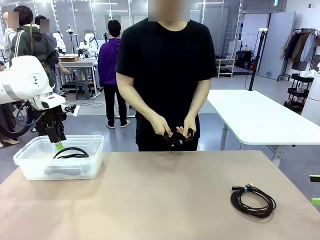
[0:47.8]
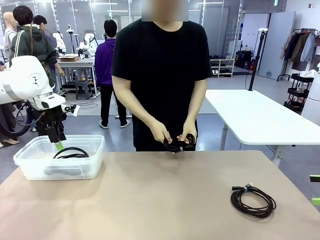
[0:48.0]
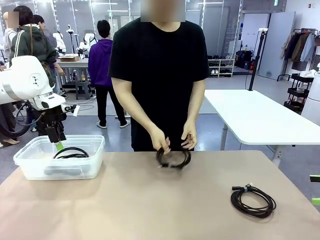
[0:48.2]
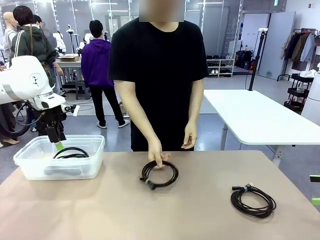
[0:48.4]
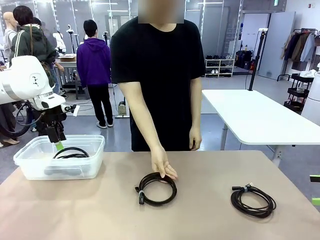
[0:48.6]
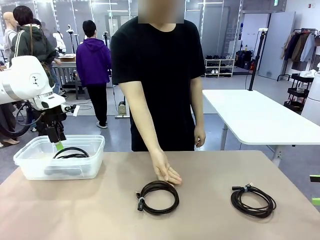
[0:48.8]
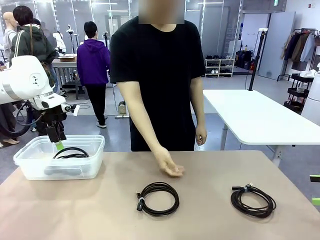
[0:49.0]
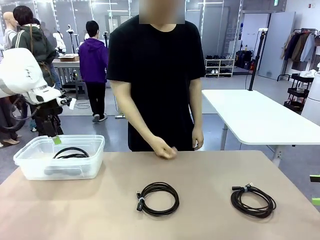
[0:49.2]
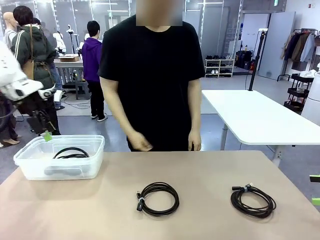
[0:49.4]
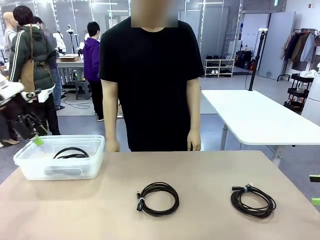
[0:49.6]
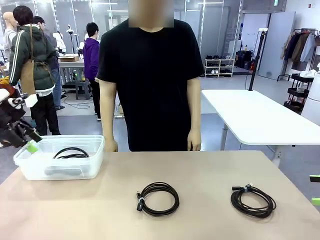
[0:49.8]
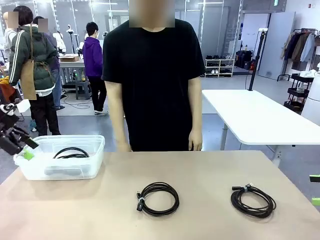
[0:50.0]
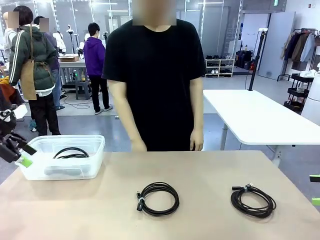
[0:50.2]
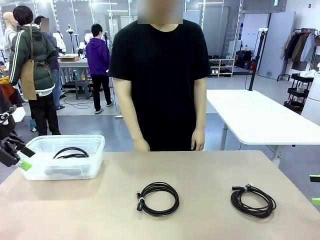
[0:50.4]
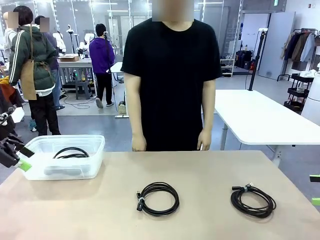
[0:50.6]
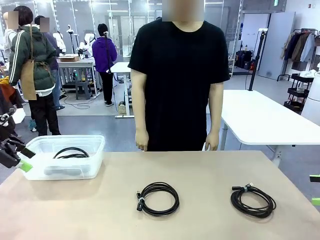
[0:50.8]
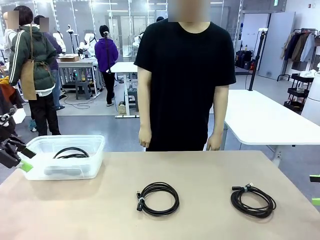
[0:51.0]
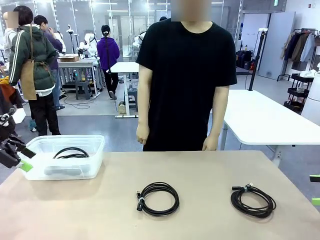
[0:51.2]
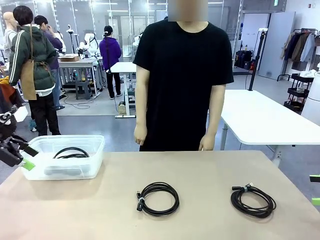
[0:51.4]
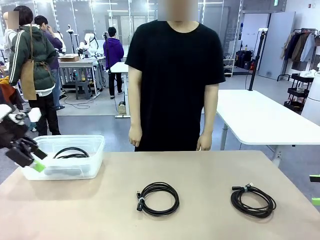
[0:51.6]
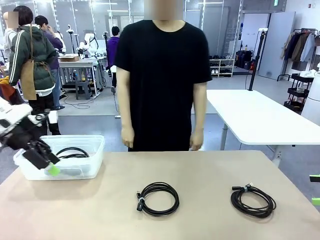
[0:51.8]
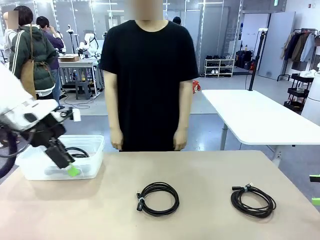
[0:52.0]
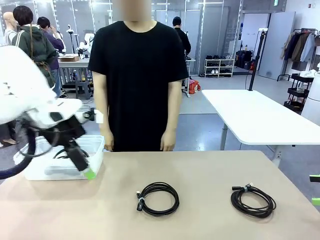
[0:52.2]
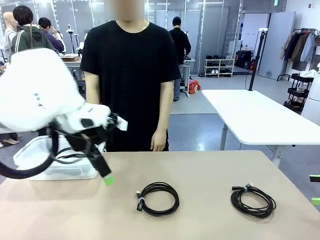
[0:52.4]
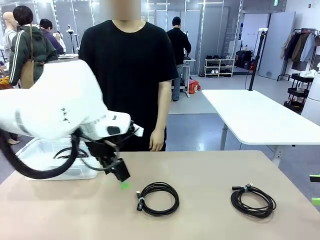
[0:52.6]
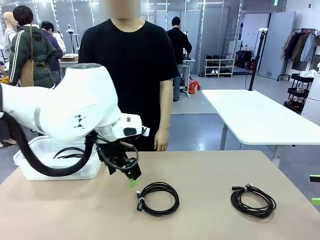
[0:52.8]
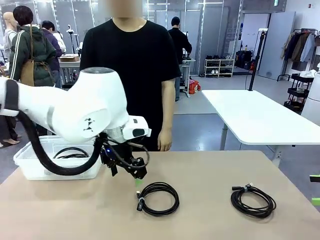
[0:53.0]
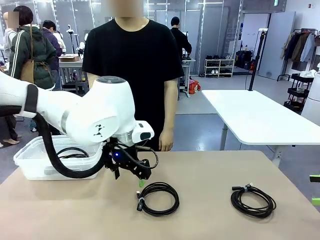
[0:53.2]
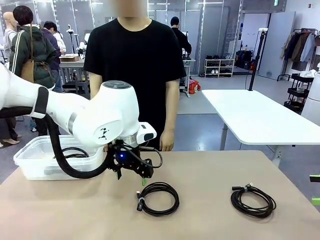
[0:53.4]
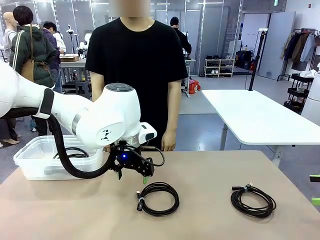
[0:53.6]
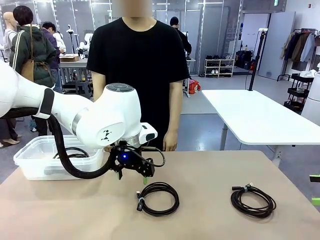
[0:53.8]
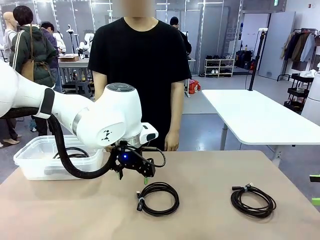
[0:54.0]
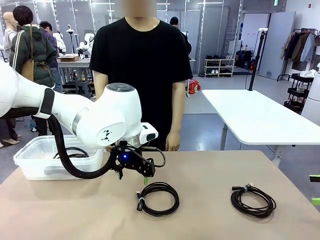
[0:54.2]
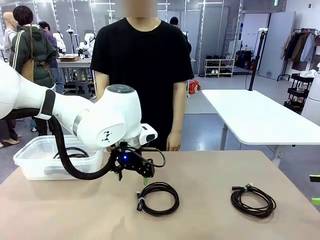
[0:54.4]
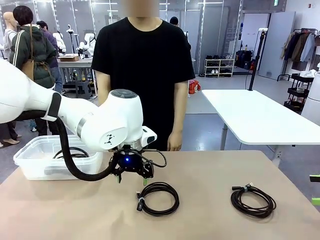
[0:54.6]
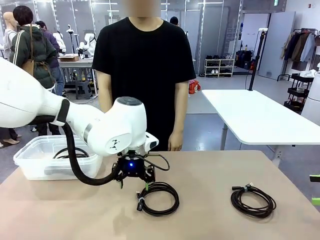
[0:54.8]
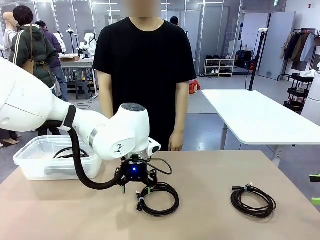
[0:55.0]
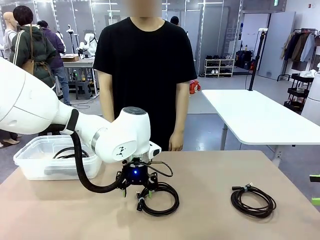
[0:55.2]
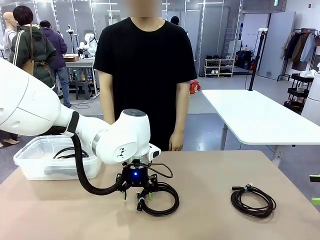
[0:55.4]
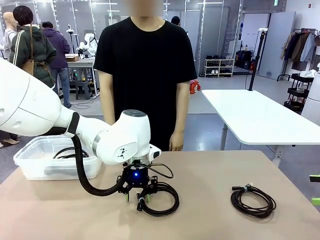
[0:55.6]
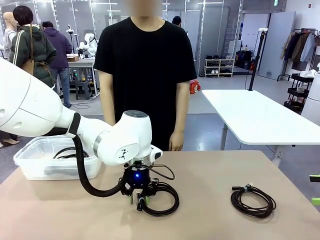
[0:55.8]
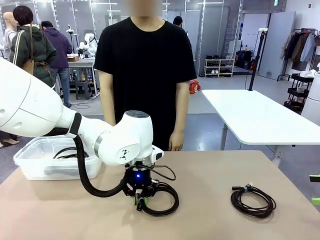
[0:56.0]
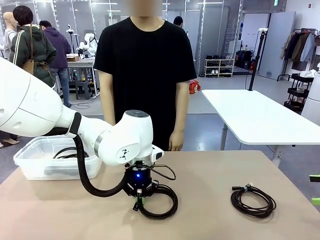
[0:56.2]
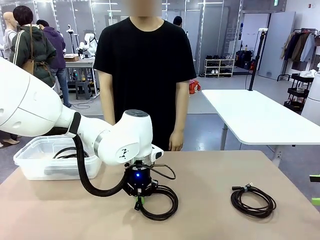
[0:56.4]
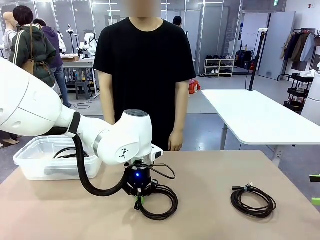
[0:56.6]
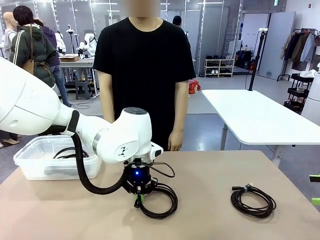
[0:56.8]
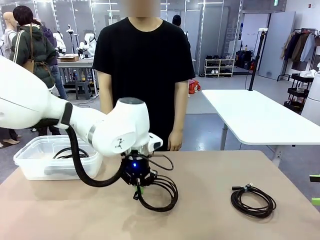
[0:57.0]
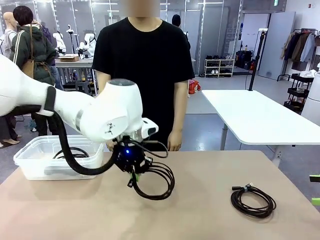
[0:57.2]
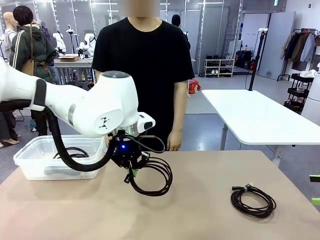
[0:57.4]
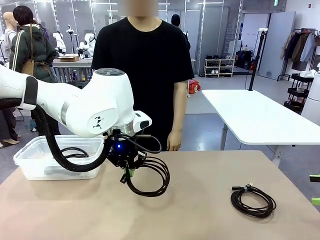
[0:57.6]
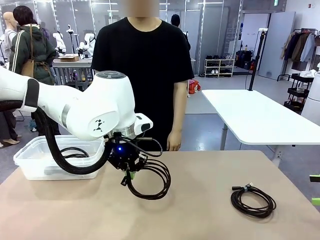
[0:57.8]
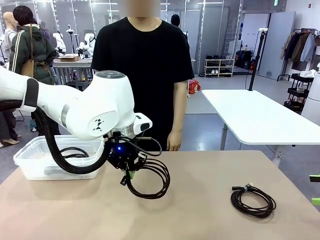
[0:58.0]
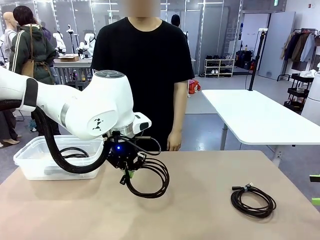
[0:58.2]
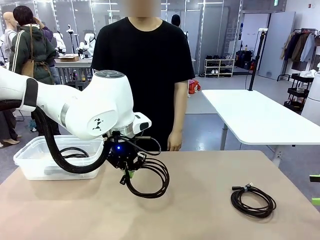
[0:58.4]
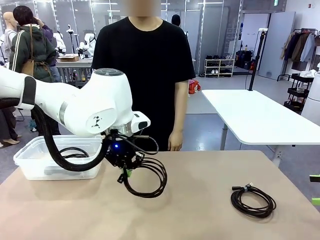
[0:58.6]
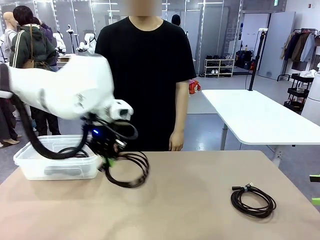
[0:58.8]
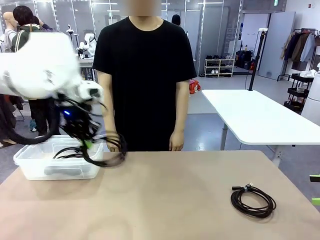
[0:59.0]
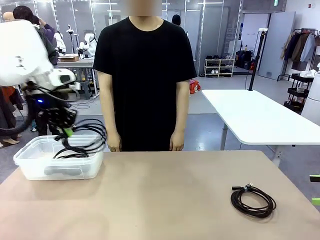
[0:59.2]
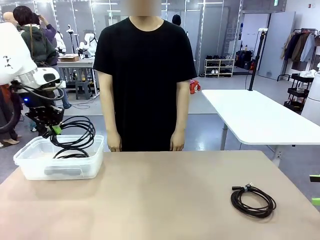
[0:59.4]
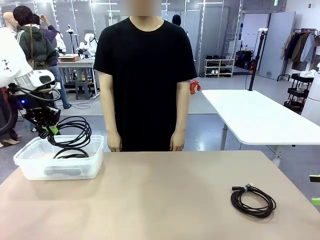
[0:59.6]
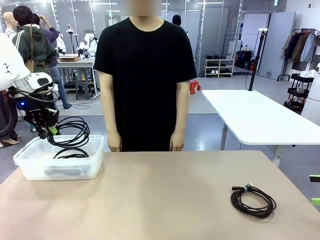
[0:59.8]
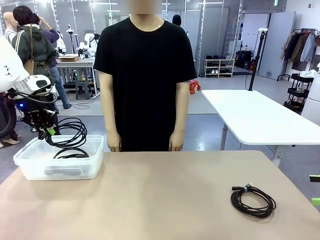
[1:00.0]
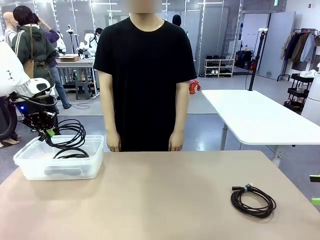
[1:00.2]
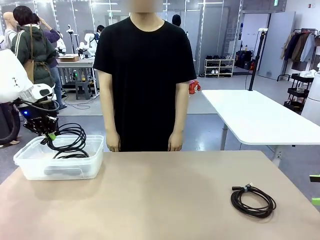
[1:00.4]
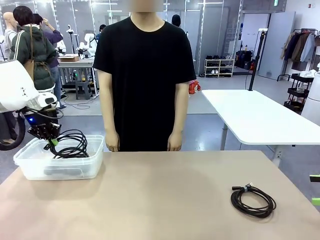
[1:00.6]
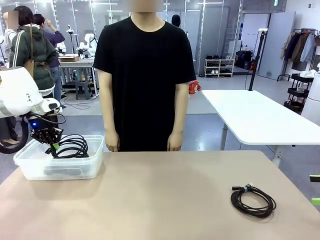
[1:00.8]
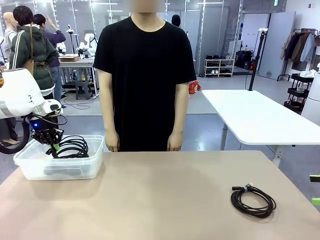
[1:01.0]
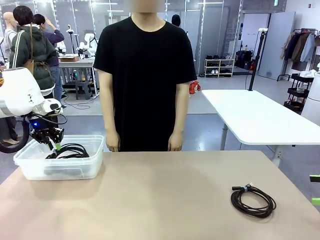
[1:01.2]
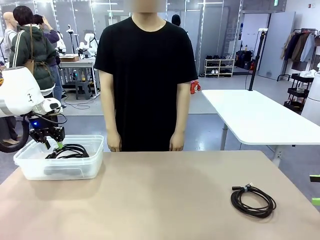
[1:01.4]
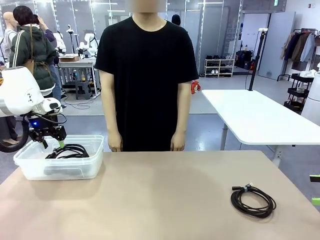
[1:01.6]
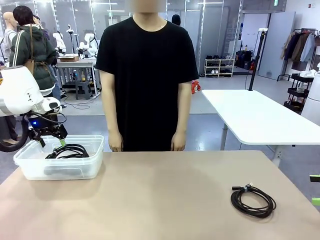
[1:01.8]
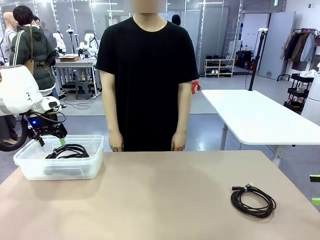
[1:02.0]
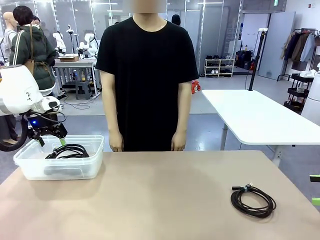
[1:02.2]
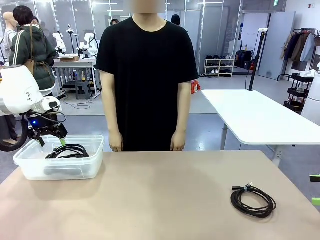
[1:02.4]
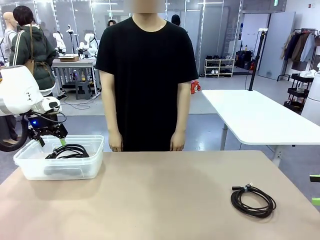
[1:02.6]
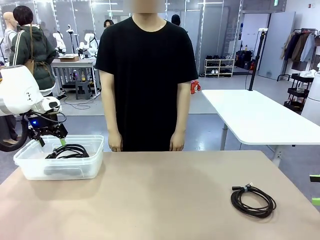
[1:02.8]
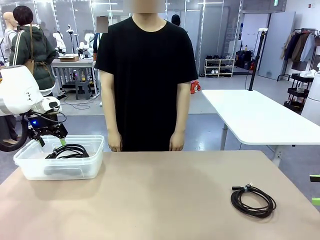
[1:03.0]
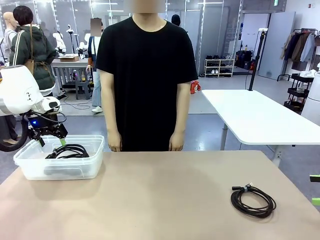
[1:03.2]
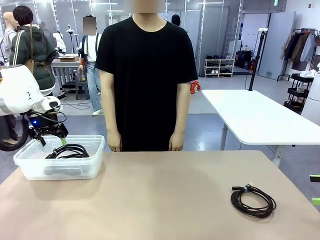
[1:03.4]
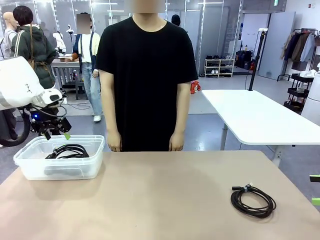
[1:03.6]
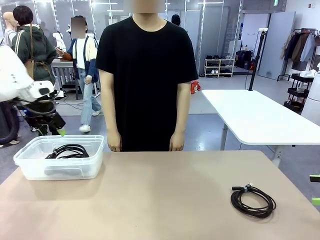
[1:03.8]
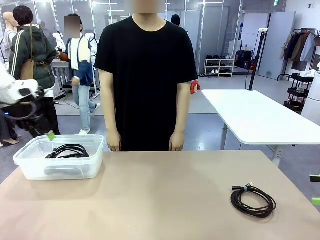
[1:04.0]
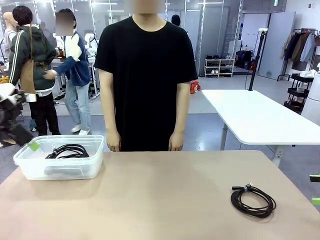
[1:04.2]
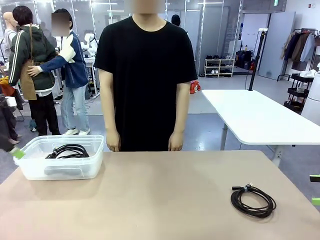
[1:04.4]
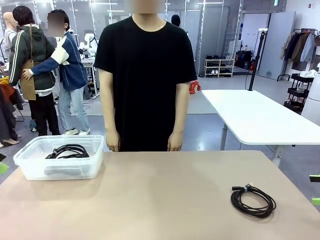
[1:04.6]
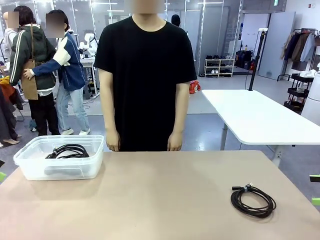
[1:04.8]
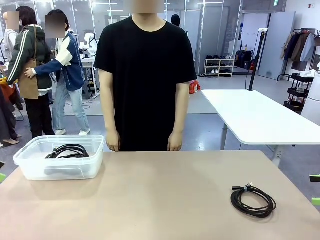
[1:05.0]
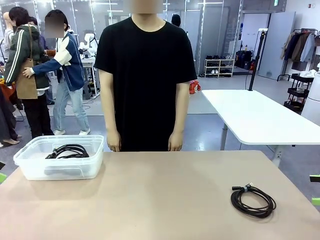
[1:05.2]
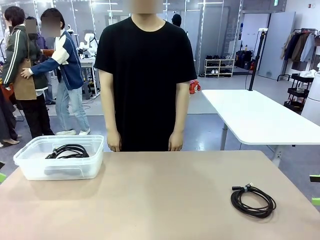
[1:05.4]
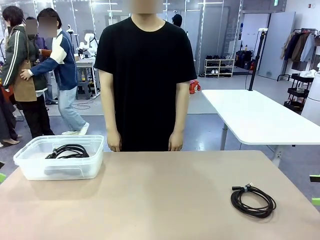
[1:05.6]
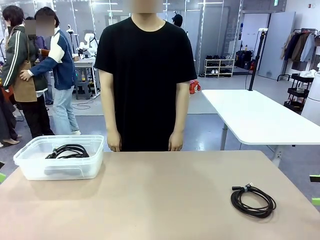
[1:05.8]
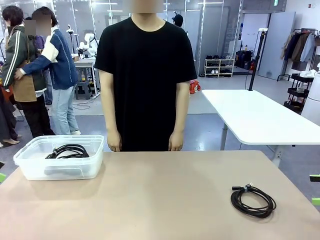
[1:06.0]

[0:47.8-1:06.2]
Task: Organize and store the cables.
Robot: Place the USB Extension Cable into the Organizing box.

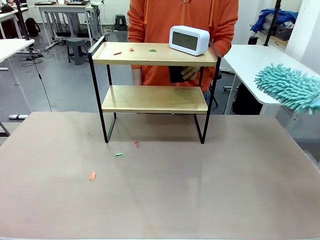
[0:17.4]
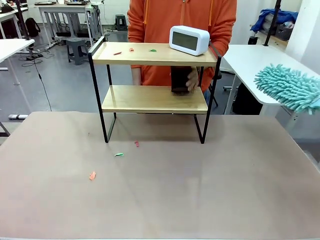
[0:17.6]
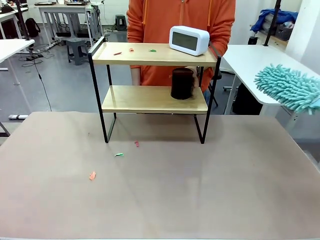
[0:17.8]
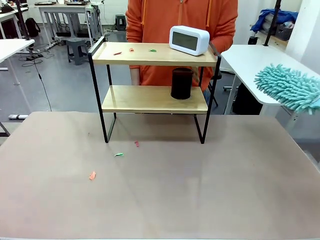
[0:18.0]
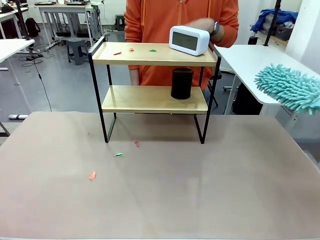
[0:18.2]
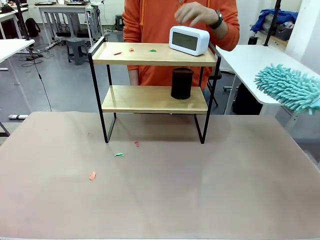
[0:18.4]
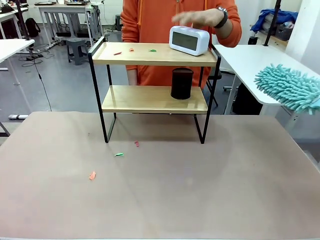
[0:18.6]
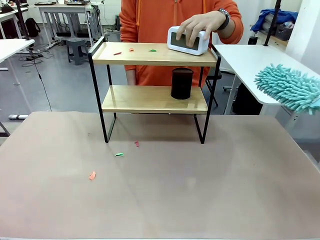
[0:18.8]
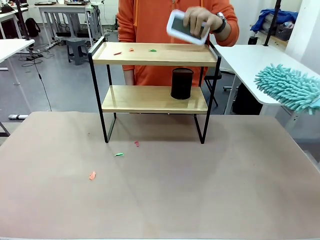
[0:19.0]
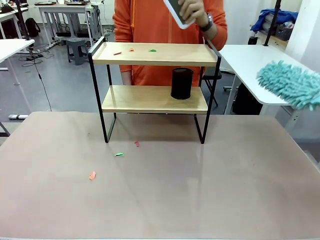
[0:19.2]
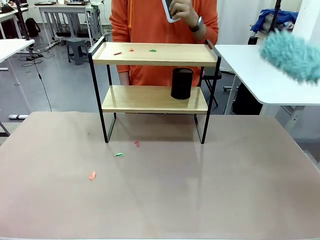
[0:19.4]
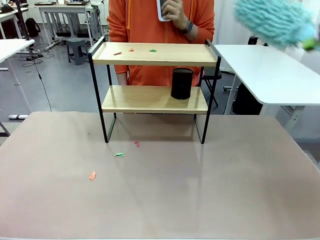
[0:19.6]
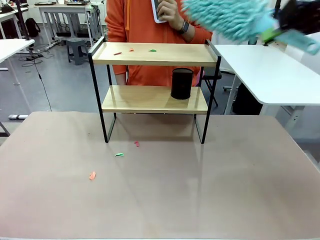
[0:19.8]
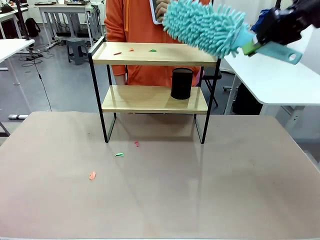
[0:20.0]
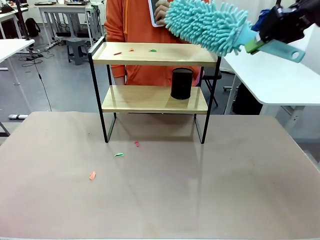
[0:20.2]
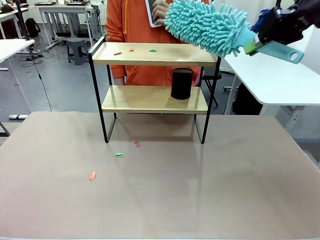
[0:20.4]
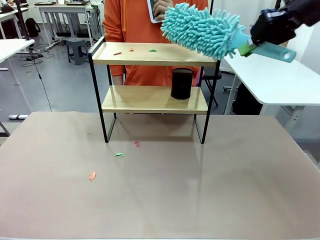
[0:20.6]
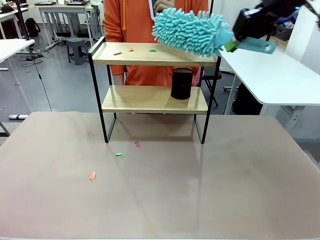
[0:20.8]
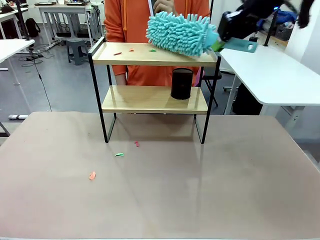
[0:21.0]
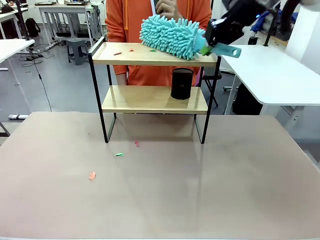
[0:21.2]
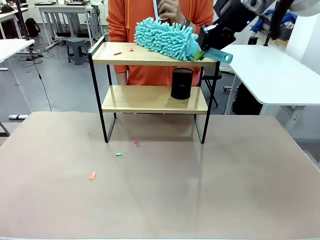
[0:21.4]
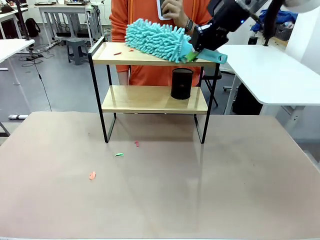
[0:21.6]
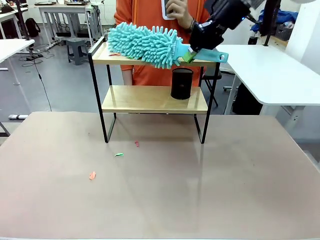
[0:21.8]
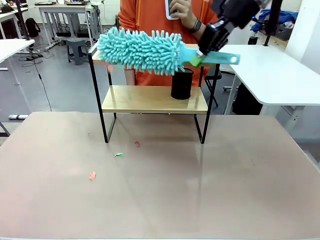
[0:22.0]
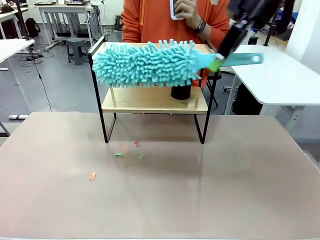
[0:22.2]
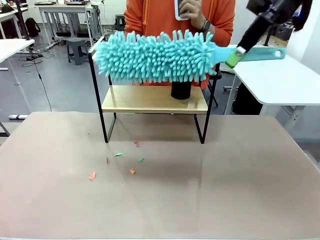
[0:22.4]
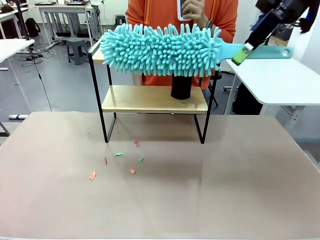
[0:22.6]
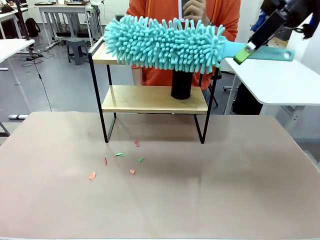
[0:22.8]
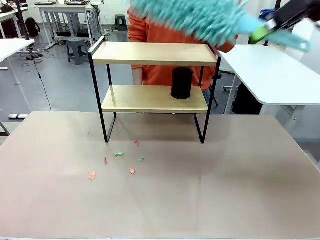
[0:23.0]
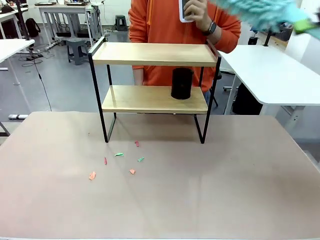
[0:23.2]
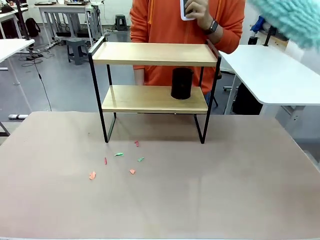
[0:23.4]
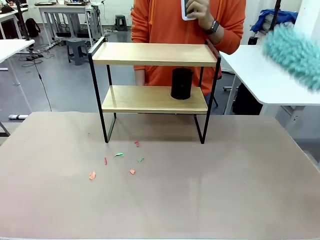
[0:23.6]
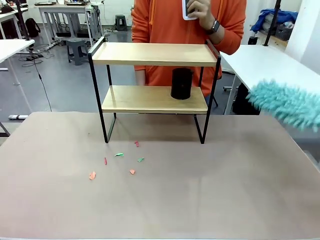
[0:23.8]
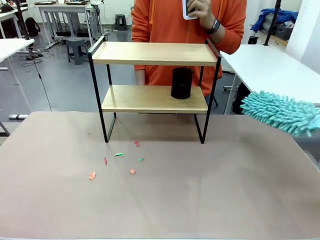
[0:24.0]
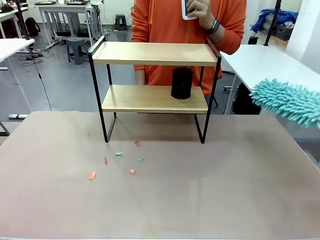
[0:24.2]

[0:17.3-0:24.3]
Task: Clean the shelf.
Robot: Clean the remaining tier of the Shelf with the Duster once objects are removed.
